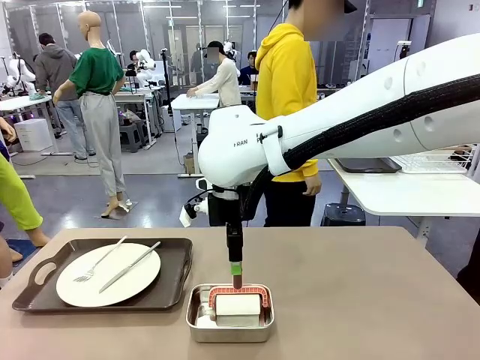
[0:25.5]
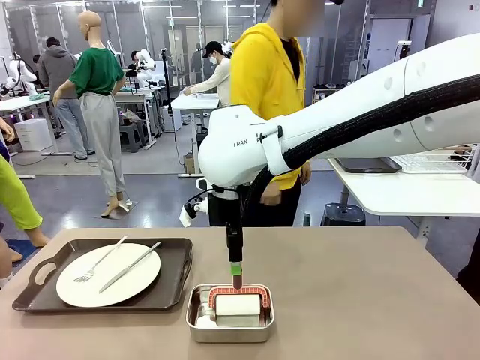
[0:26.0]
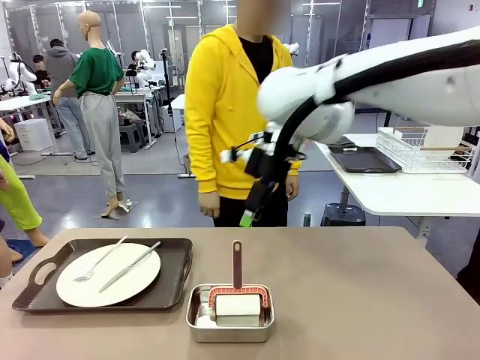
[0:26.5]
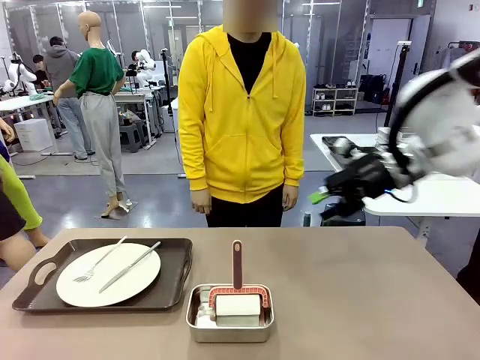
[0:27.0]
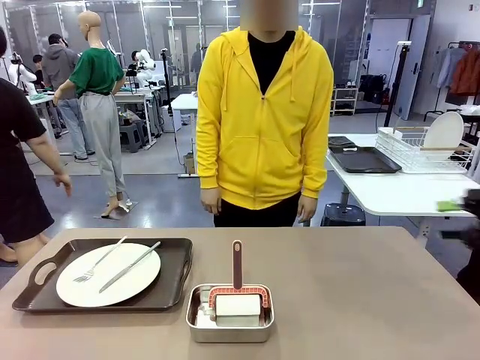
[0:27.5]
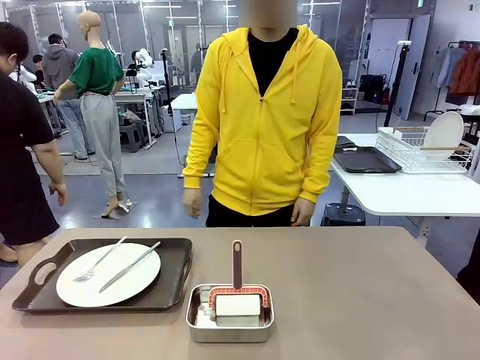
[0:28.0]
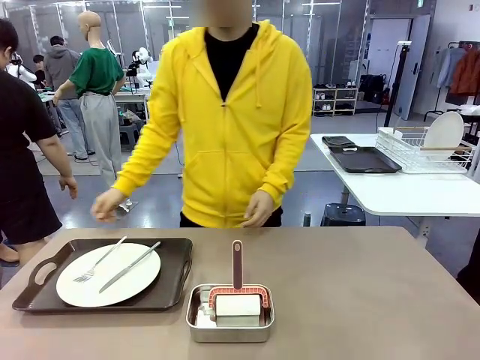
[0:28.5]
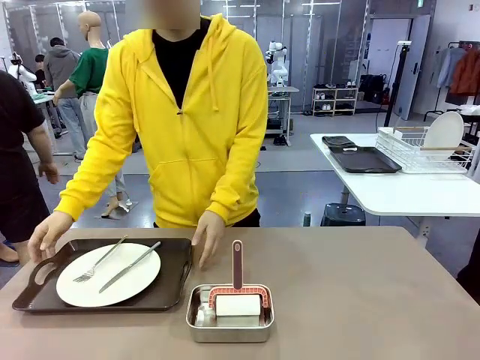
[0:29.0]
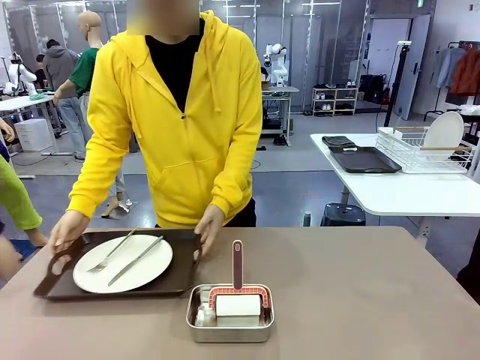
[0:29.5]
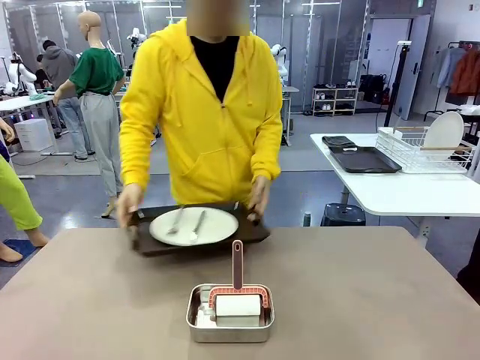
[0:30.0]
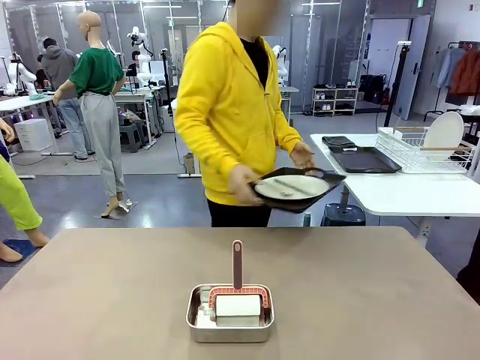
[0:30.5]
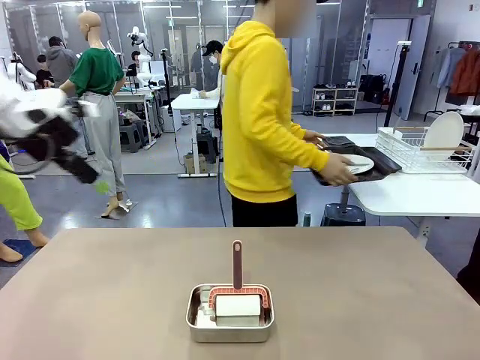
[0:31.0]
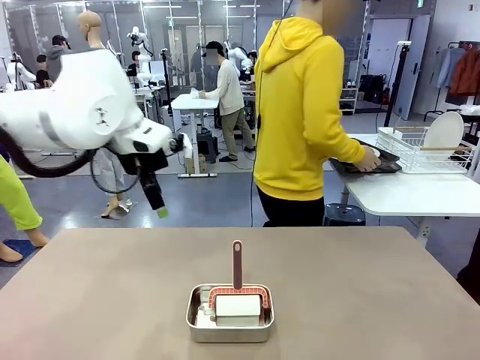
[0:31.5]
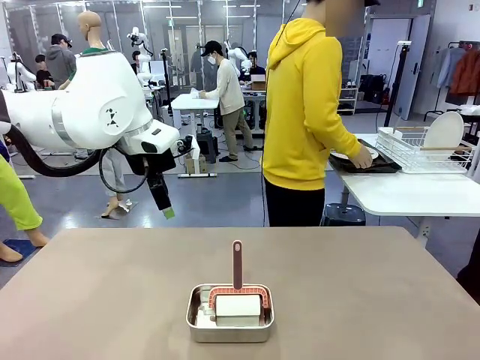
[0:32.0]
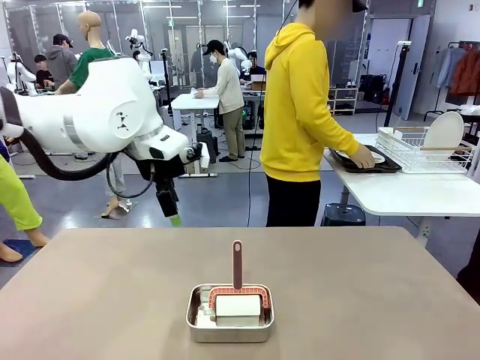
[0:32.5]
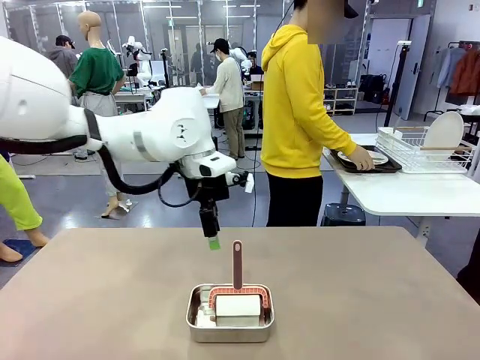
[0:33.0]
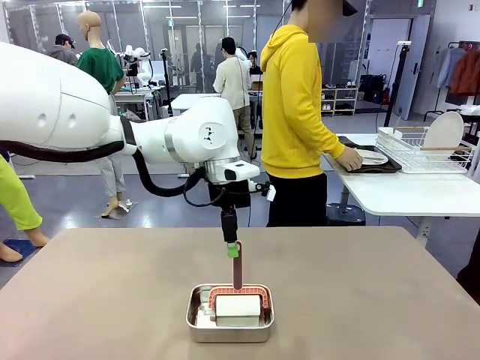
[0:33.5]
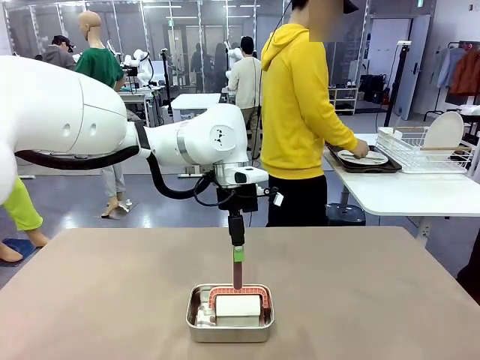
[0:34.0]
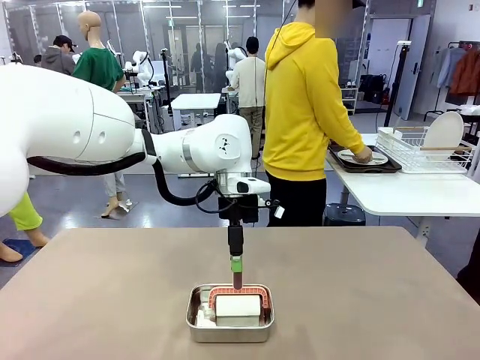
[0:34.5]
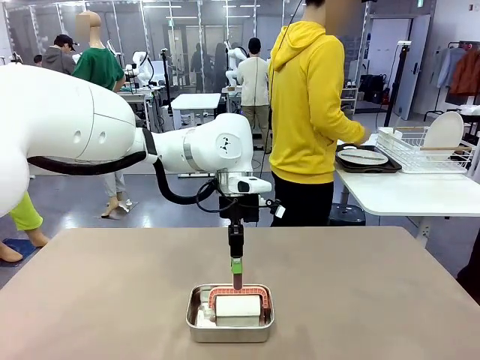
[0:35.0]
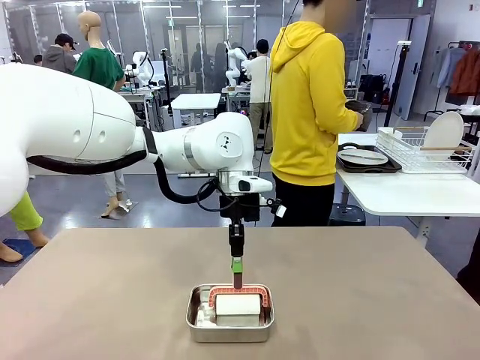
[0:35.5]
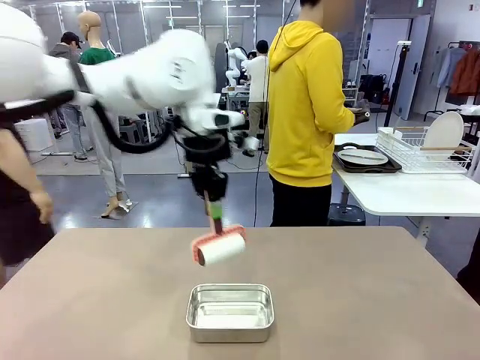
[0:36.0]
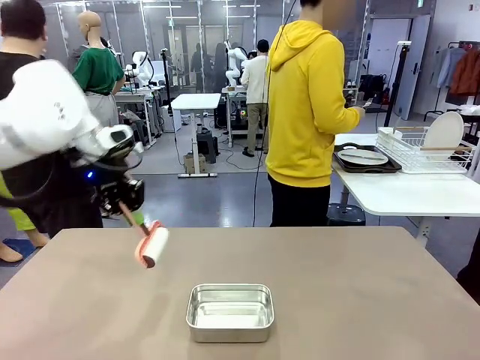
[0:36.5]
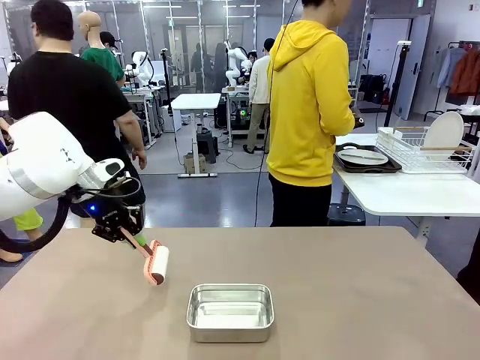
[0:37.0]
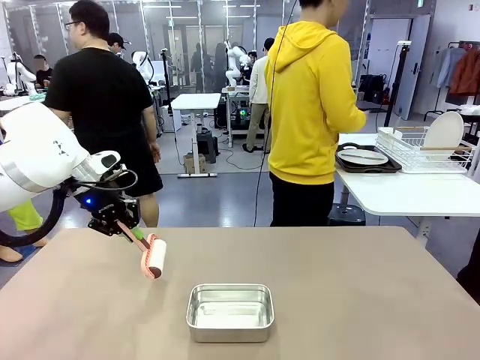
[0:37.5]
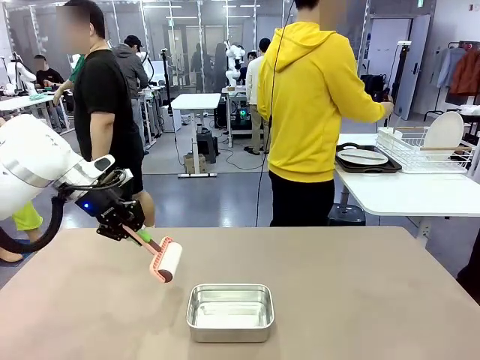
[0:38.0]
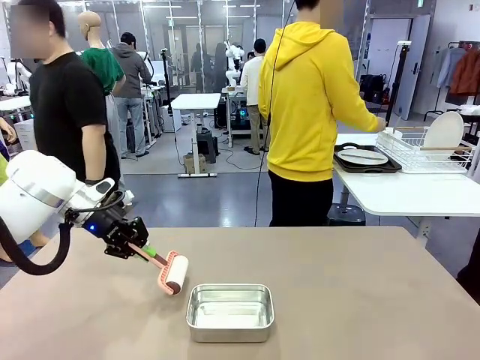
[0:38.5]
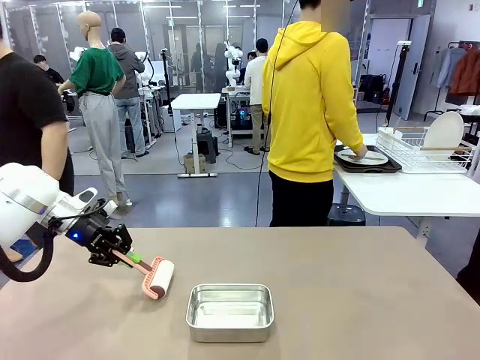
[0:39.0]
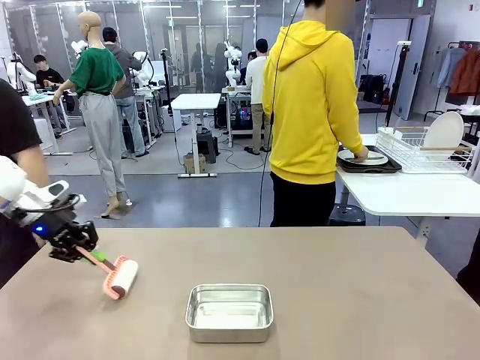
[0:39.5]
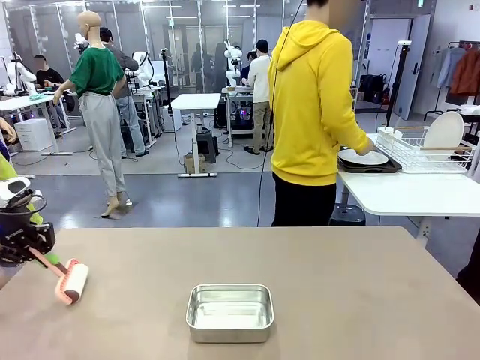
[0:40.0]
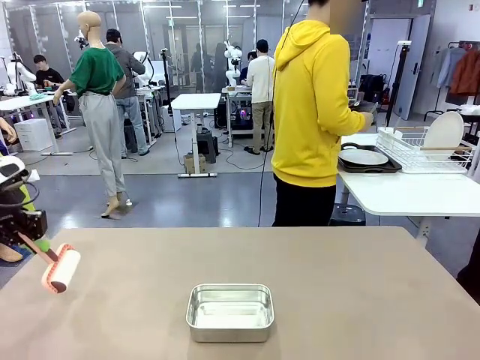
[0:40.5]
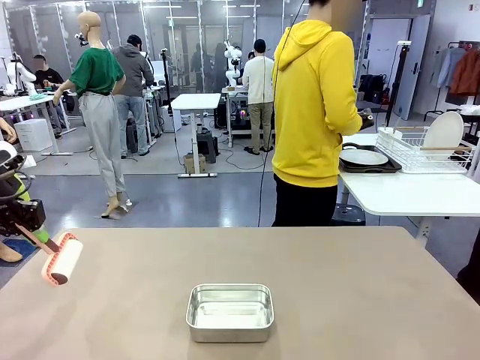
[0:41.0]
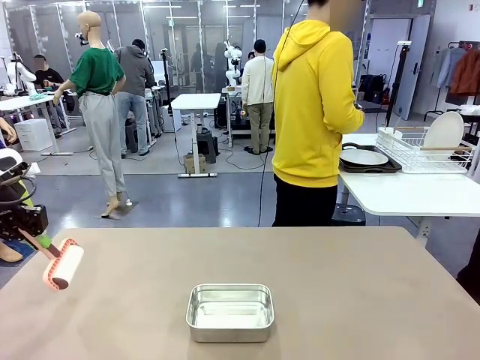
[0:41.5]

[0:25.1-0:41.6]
Robot: When the right (or left) Handle tray is removed, use the right hand (or left hand) to clean the right (or left) side of the table with the Lint Roller.
Person: Pick up the left (or right) Handle tray and place it on the Handle tray.

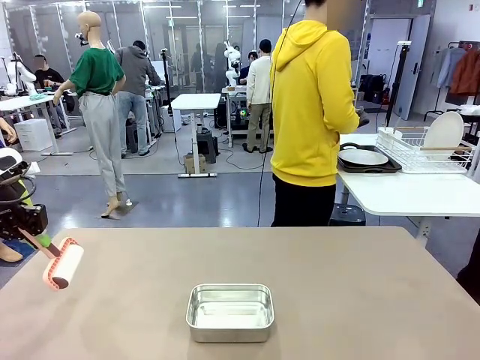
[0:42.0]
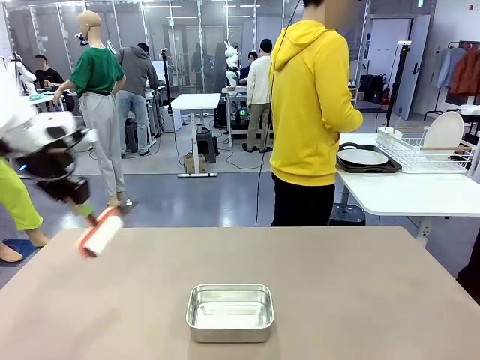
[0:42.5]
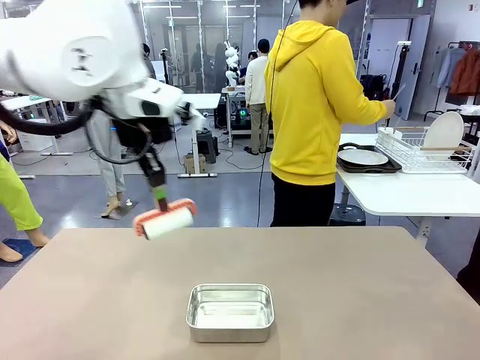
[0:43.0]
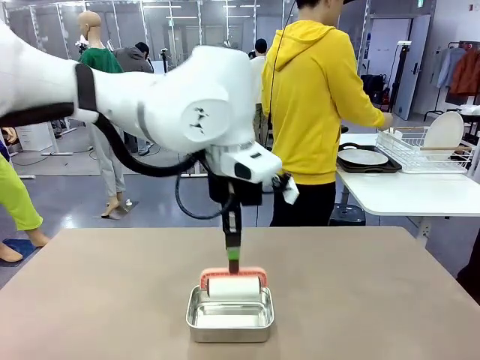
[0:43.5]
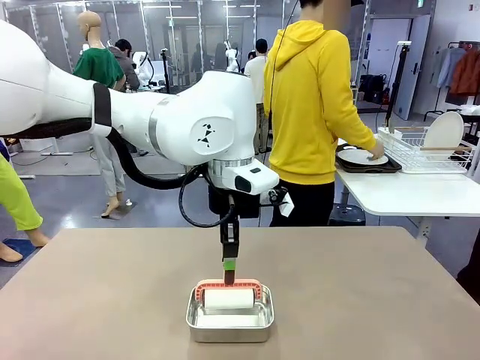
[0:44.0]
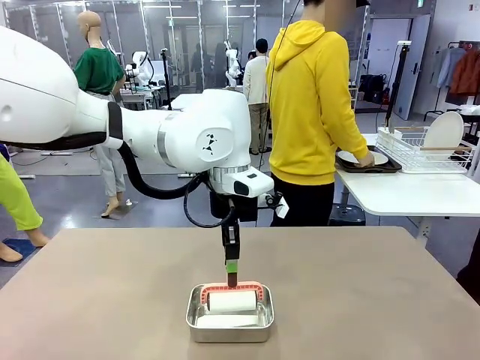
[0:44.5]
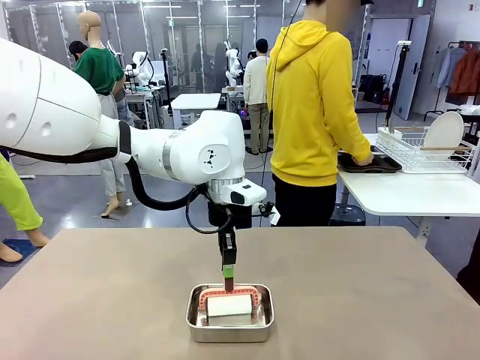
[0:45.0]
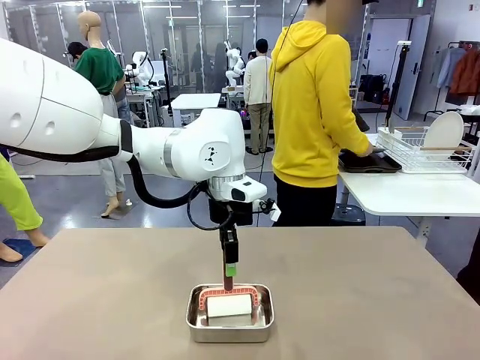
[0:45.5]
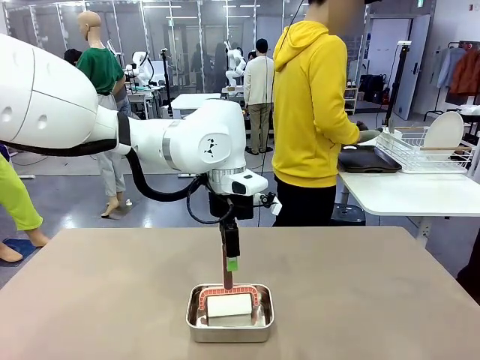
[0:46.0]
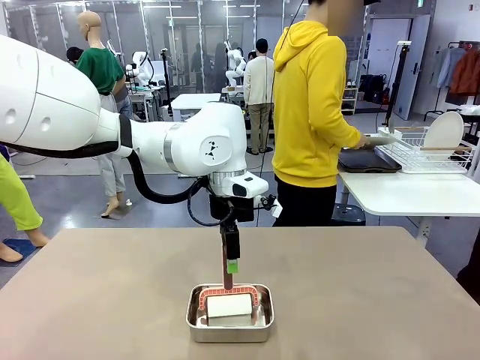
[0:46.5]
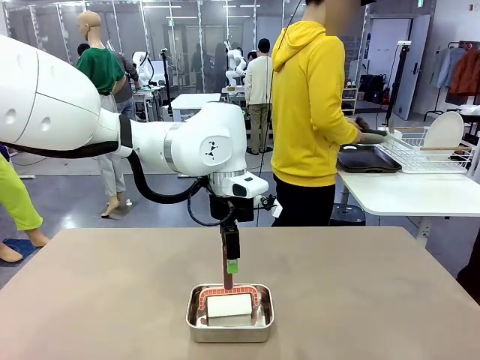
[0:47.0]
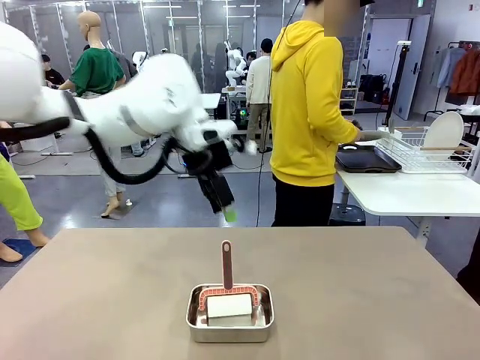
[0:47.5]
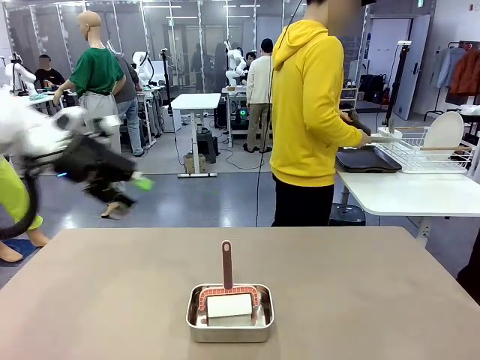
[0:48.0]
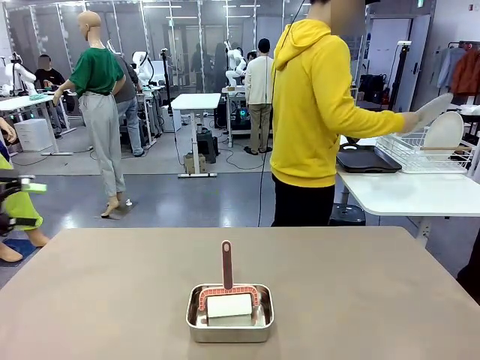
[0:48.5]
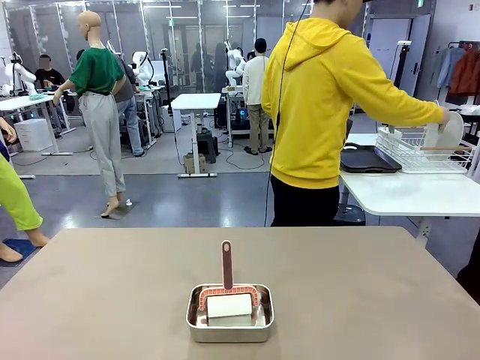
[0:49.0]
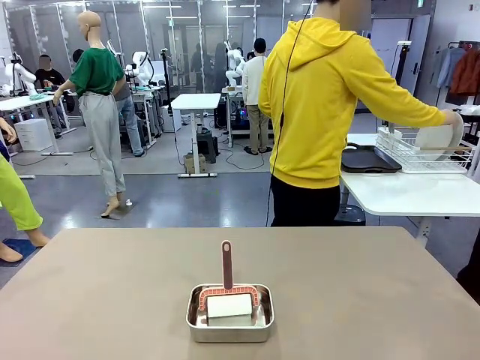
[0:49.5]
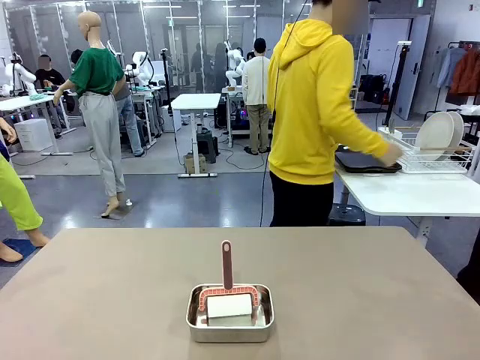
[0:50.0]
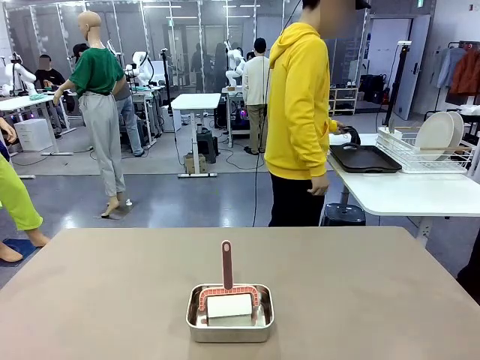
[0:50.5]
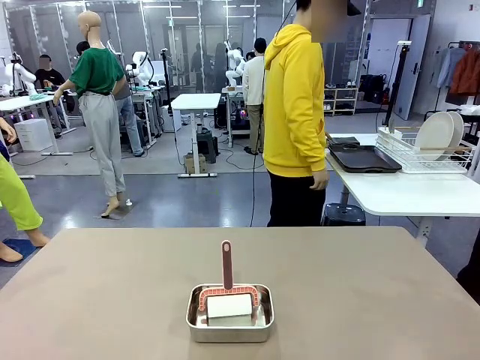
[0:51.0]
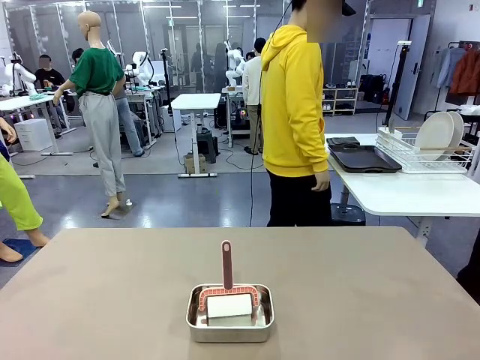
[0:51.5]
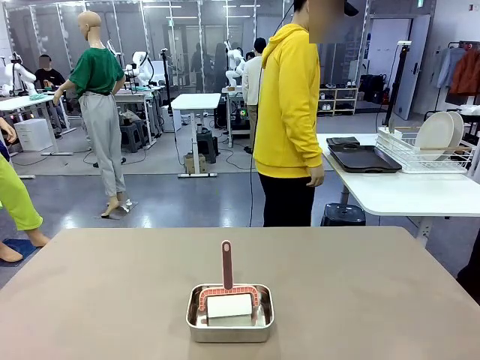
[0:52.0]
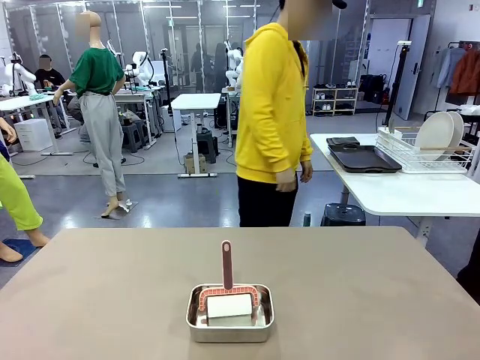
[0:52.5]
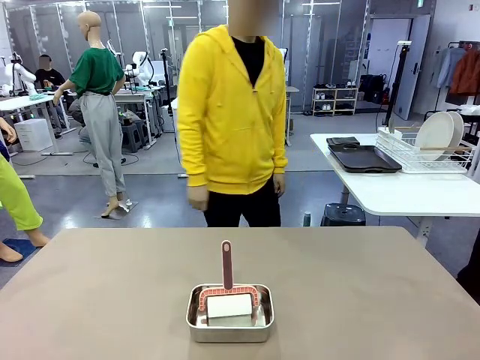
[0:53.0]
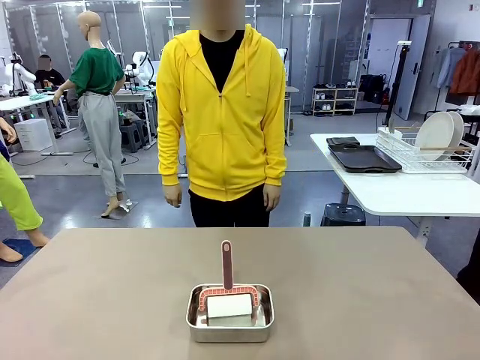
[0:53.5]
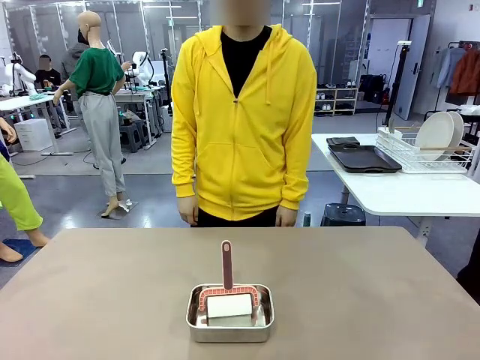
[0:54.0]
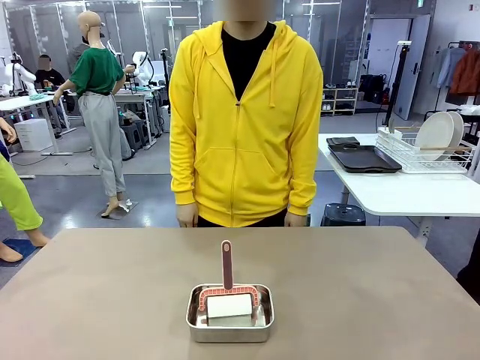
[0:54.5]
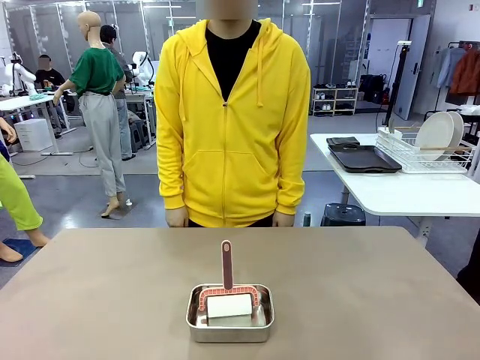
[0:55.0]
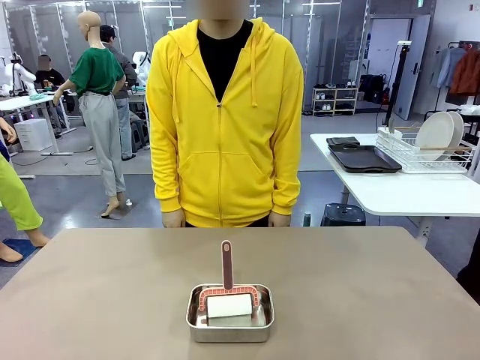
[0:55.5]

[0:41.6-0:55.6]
Robot: Place the Lint Roller back on top of the Airtight Container.
Person: Use the Towel with hook to wipe the Plastic Matte Plate , Fork , and Knife and place into the Dish drying rack.
